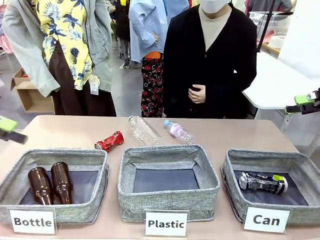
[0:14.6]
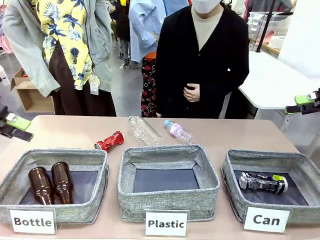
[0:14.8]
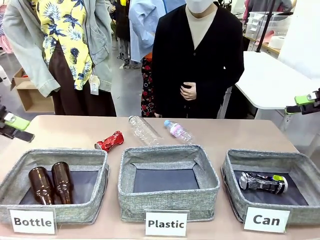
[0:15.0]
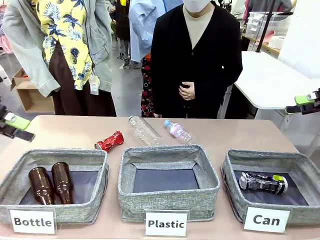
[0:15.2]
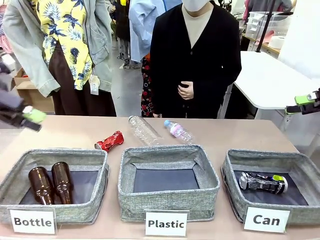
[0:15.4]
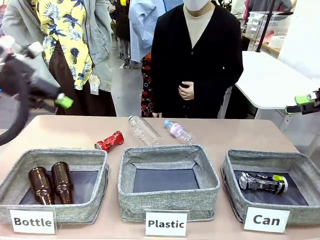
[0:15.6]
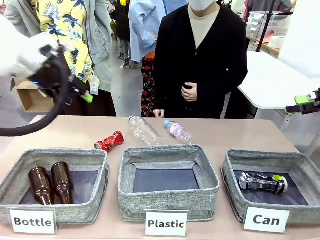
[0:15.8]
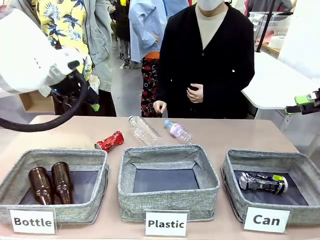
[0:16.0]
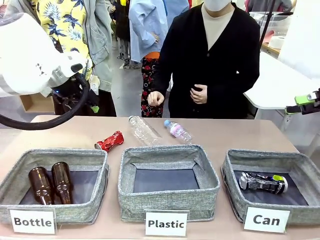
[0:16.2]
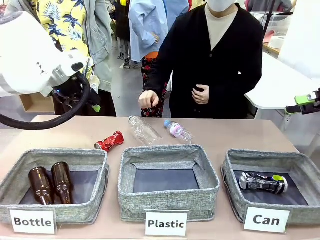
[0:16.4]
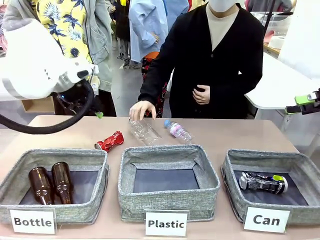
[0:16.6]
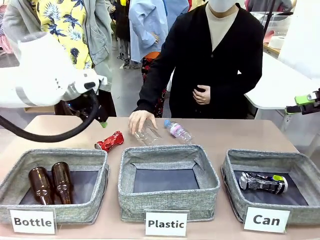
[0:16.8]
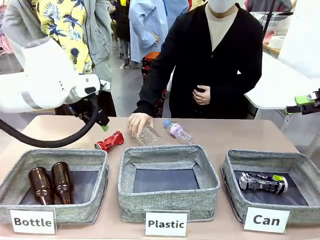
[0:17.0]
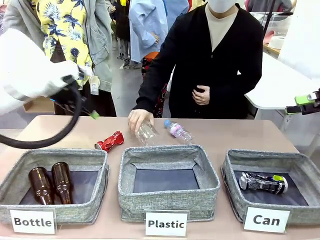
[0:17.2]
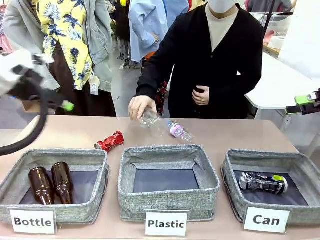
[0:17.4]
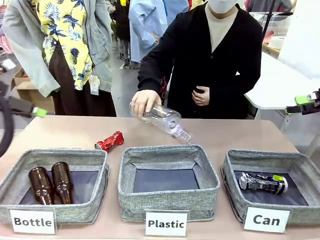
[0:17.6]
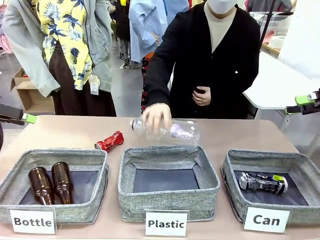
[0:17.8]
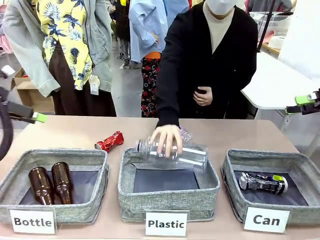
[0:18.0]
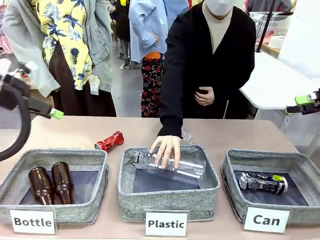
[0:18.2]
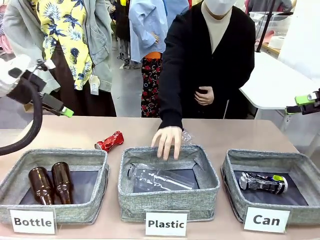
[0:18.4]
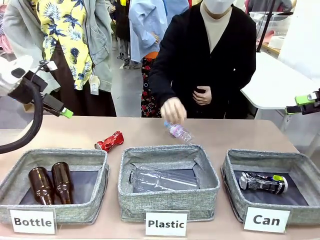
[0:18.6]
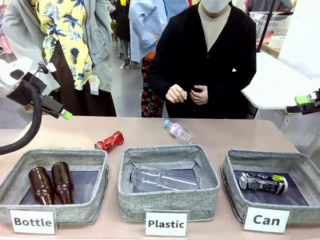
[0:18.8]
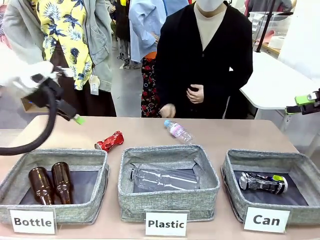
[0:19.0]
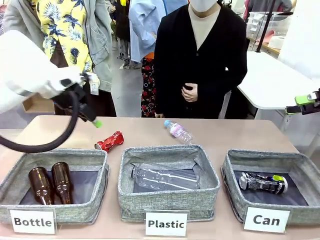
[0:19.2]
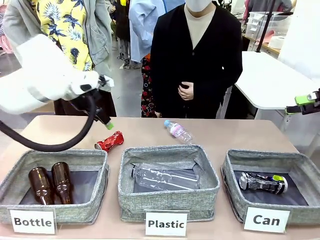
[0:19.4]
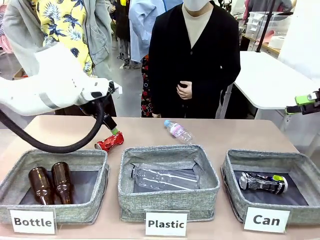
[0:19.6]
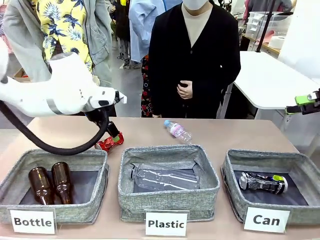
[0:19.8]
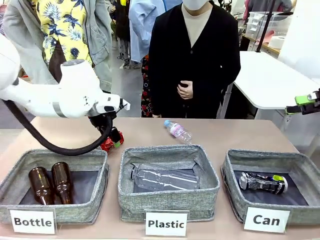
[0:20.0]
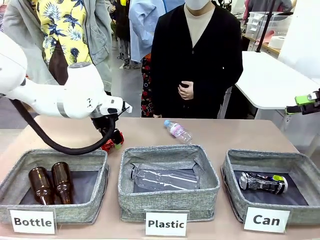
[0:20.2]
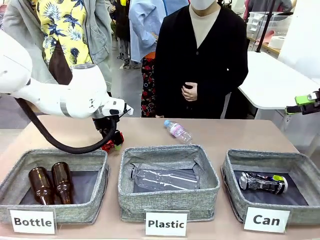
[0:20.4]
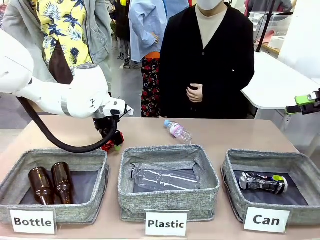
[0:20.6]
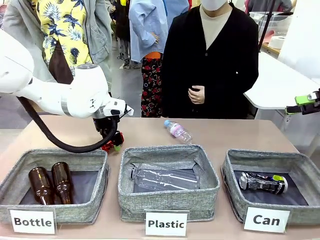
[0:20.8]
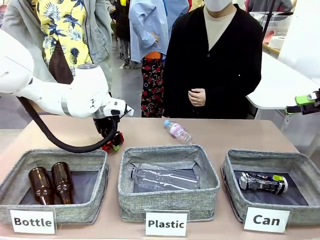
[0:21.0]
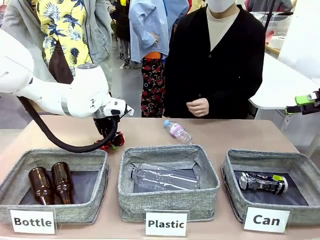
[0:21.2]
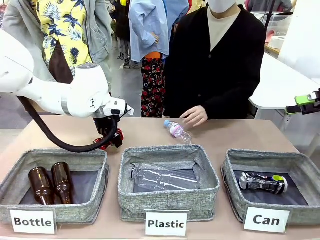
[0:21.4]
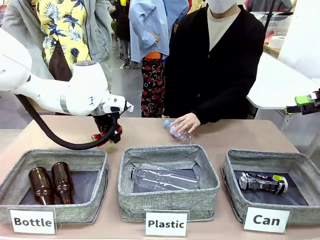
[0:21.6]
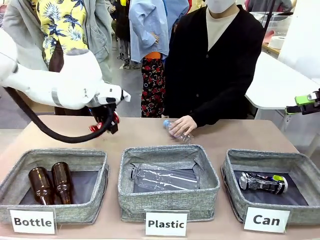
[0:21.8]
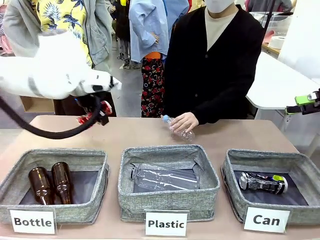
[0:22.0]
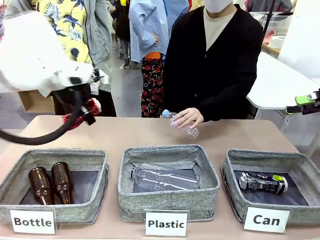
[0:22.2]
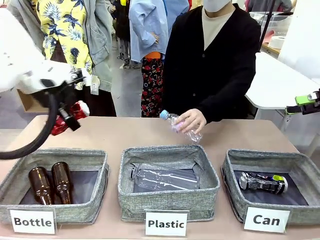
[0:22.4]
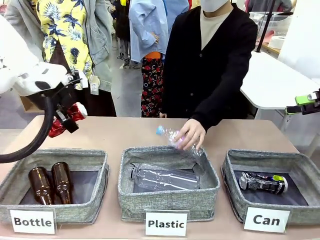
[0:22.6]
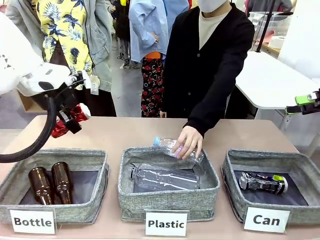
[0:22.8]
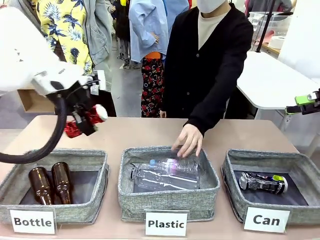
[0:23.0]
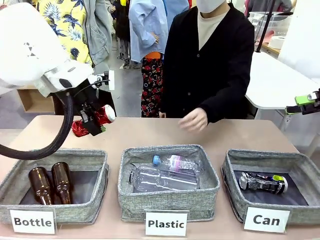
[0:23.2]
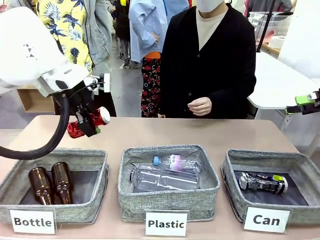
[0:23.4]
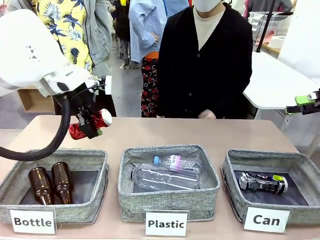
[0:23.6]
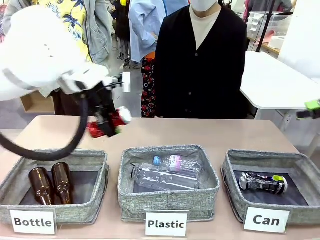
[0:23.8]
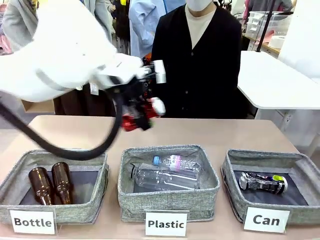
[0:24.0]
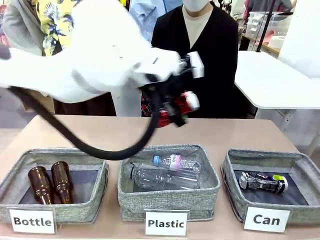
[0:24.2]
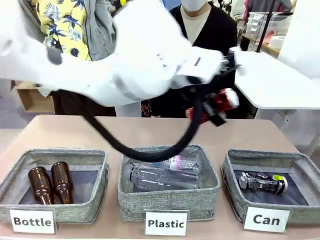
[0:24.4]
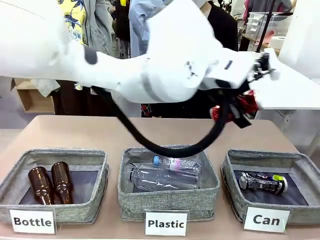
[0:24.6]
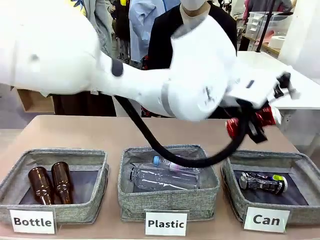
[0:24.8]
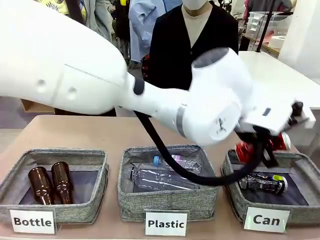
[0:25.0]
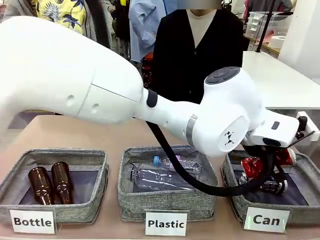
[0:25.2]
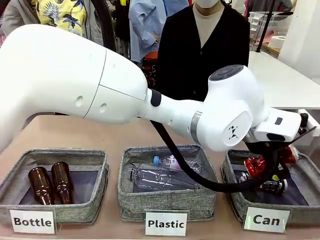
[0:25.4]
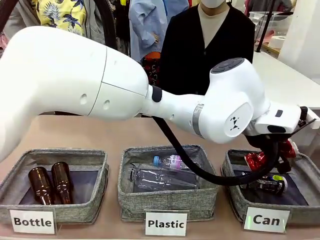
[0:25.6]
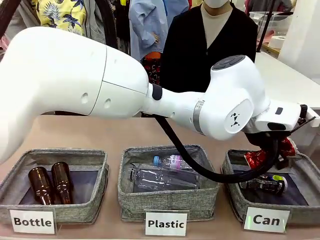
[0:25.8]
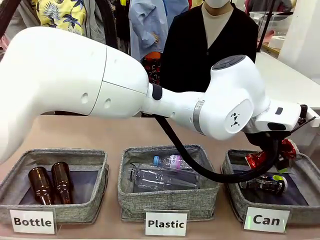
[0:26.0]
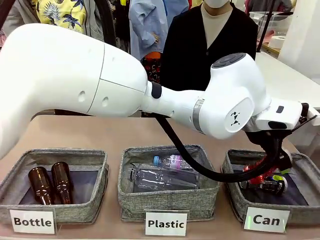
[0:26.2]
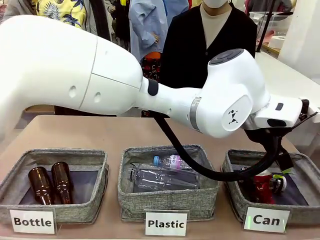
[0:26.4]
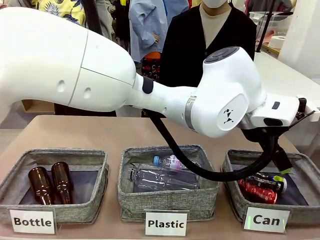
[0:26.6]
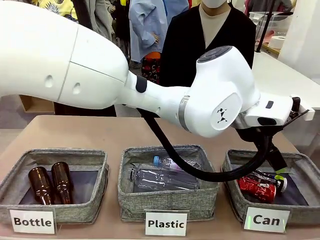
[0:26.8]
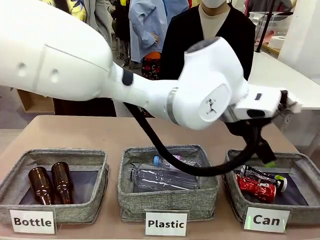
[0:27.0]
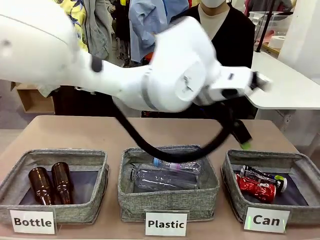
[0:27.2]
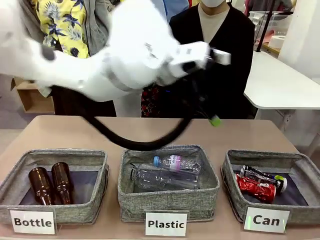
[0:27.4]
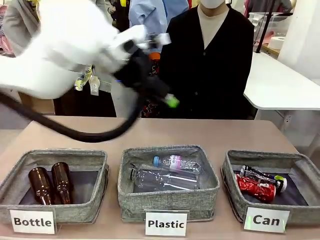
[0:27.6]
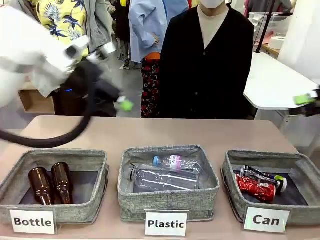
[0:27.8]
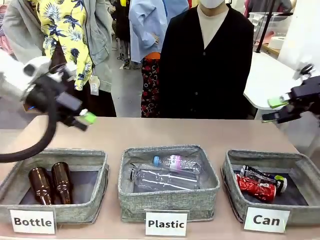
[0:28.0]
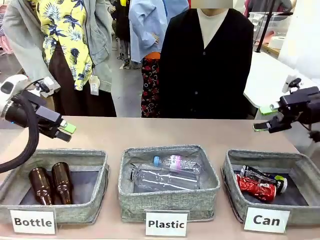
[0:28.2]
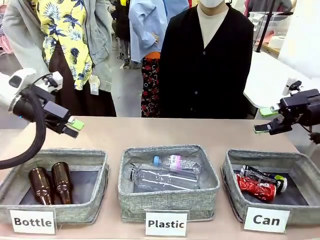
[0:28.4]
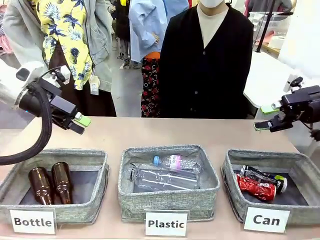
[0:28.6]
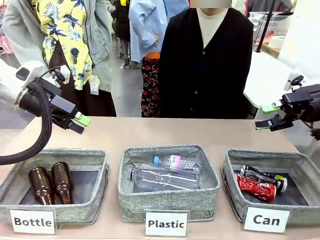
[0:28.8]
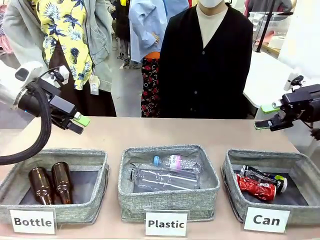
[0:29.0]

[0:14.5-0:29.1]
Task: Sort the can waste into the basket.
Robot: Pick up the can waste from the table and place it in the right Fabric basket.
Person: The human picks up one piece of trash that is not a can and places the trash into the appropriate organizing basket.
